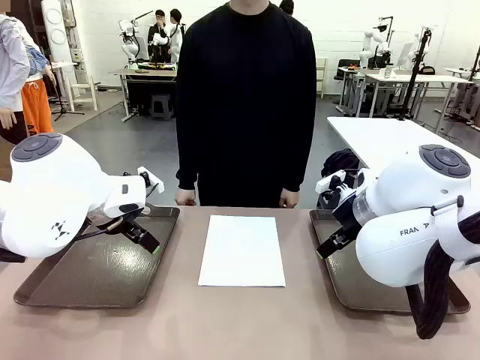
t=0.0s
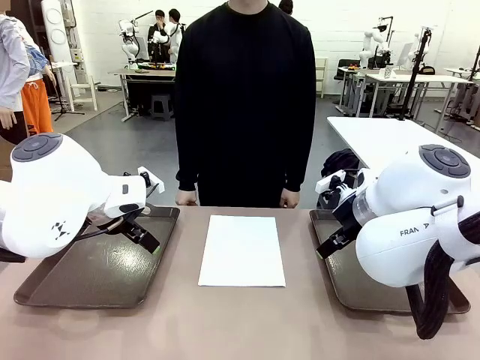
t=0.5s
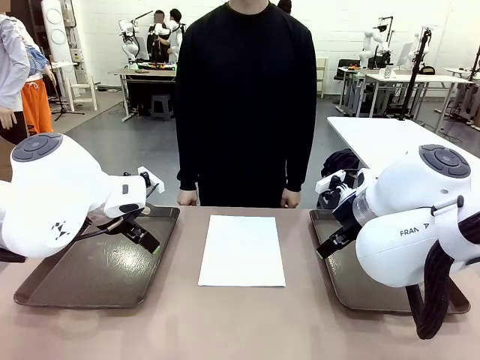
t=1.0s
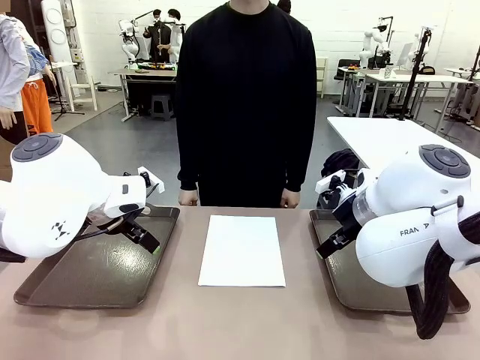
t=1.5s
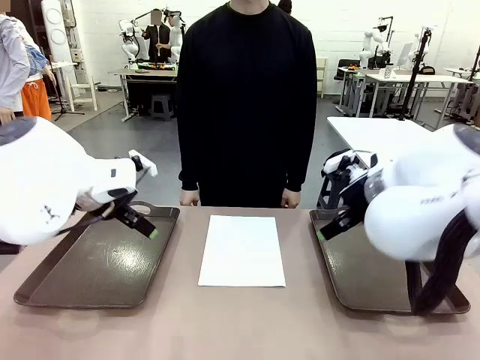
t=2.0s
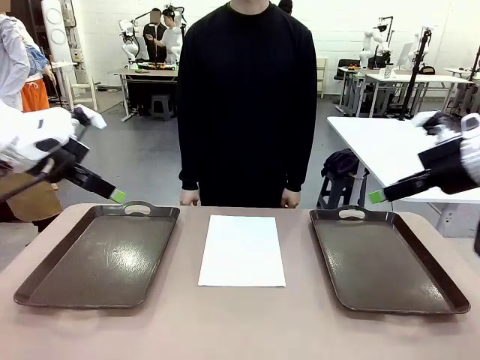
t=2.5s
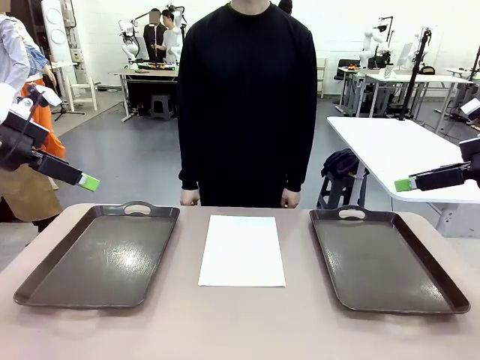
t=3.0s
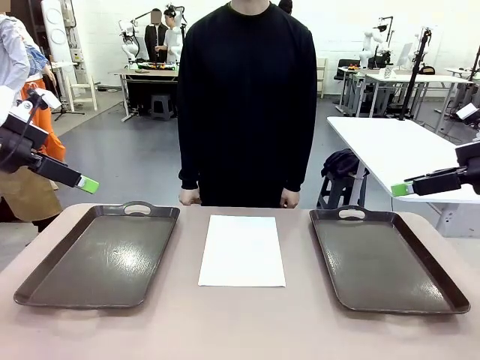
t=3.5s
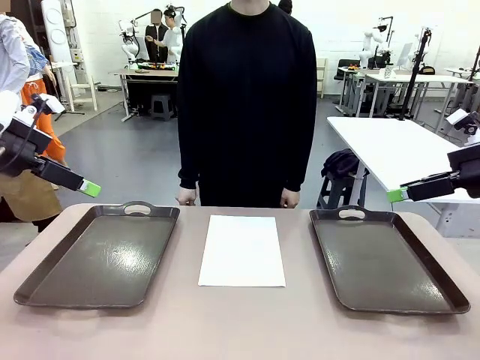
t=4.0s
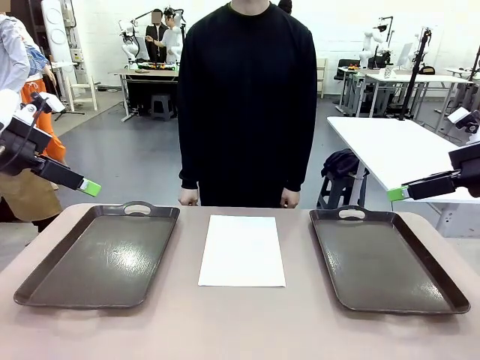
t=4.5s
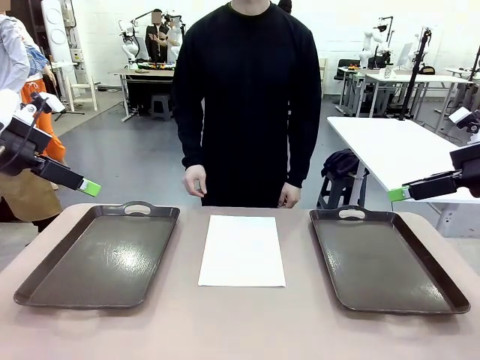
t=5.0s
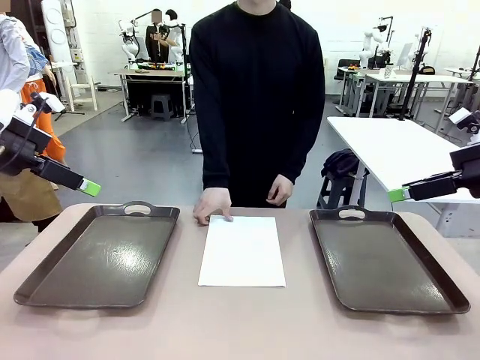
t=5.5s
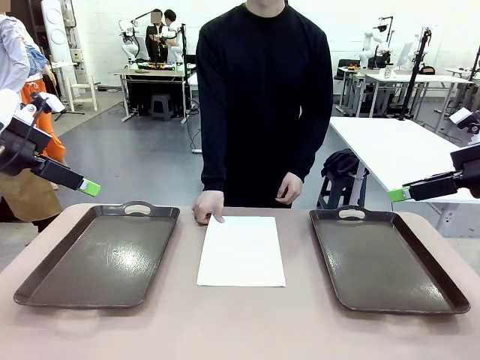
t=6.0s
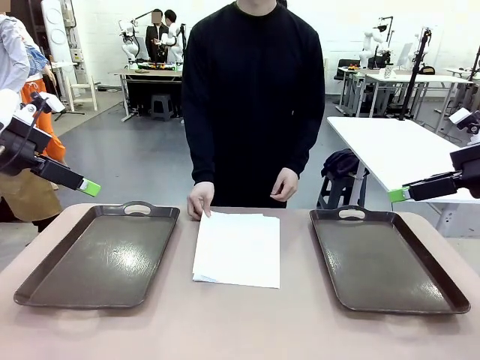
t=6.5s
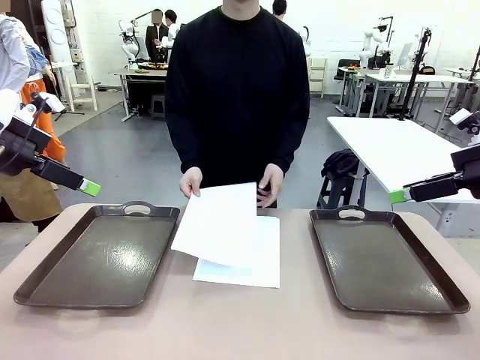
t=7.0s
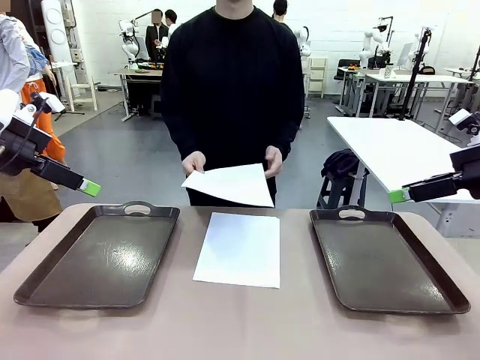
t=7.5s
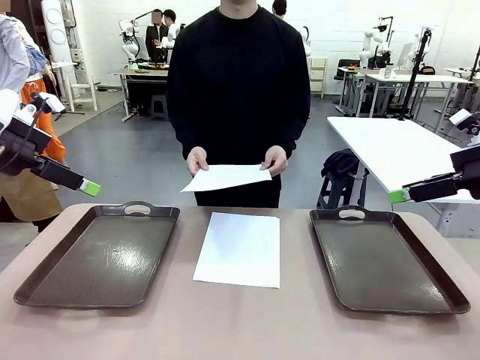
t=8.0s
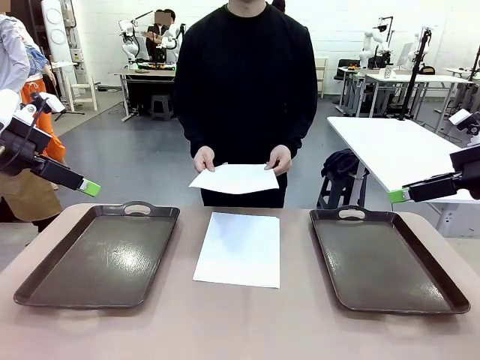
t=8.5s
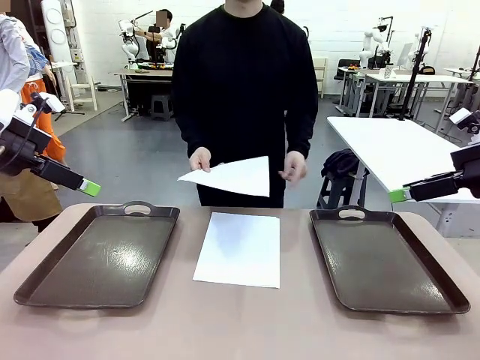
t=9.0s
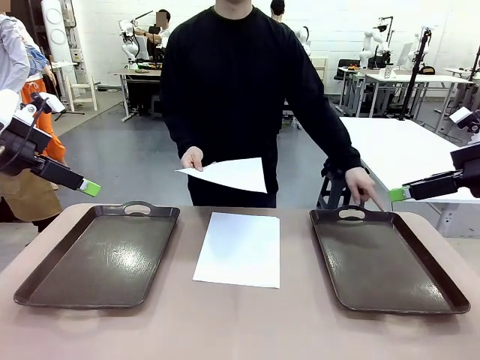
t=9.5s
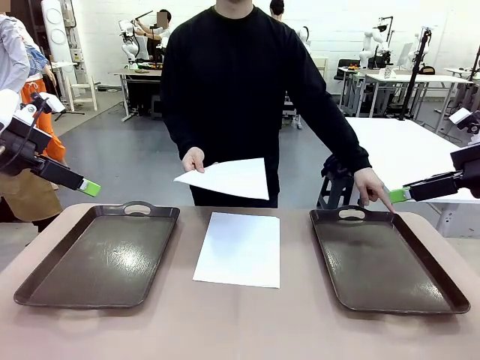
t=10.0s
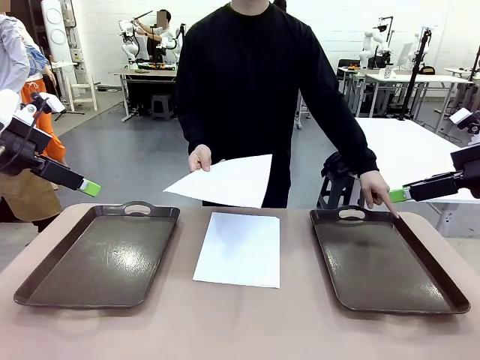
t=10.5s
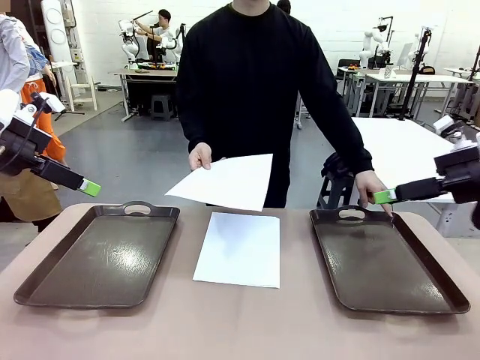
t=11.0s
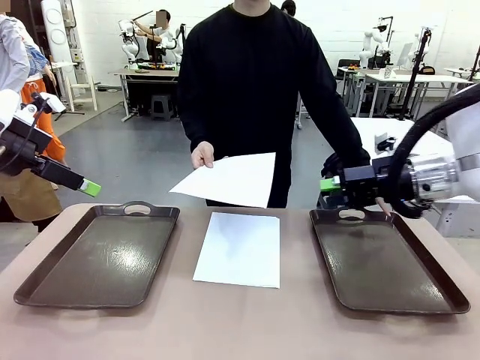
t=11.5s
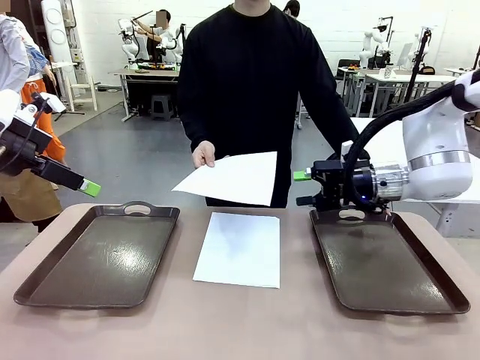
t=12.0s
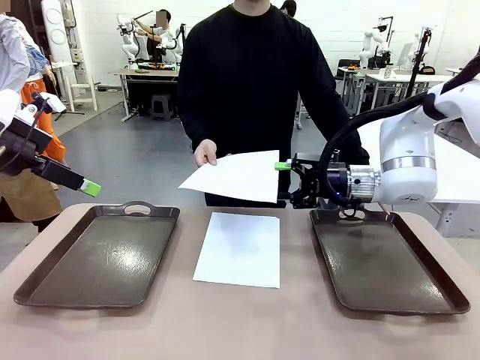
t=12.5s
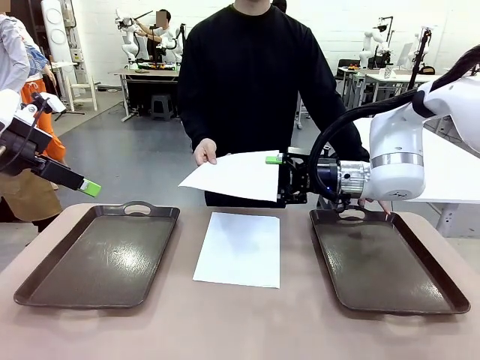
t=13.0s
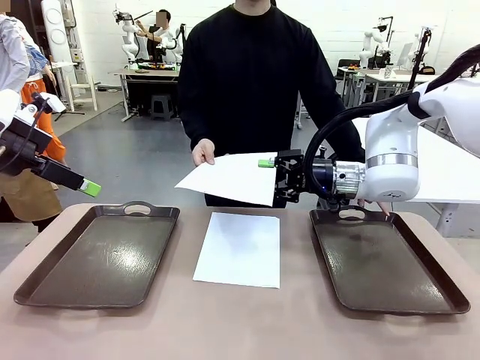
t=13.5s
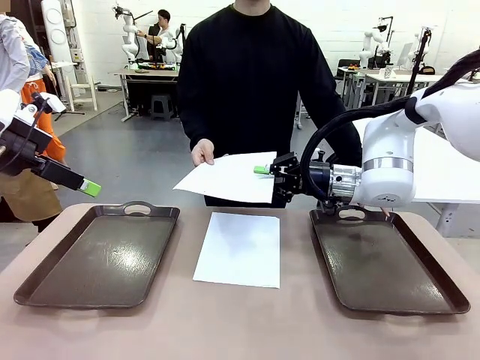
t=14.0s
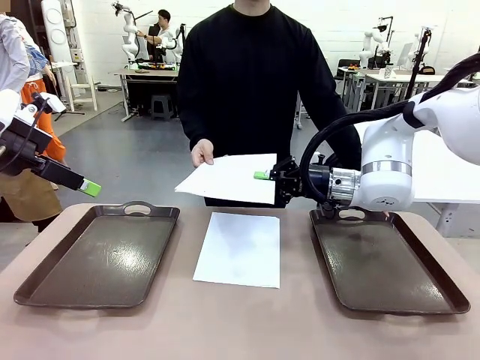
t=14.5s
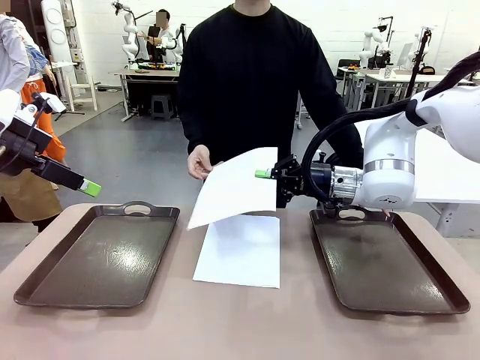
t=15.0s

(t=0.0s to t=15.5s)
Task: Sort the A4 documents.
Robot: Receive the A4 Paper.
Person: Pick up a sheet of paper from the center of the table and hand it to the robot. Point the randomly selected tray with the other hand.

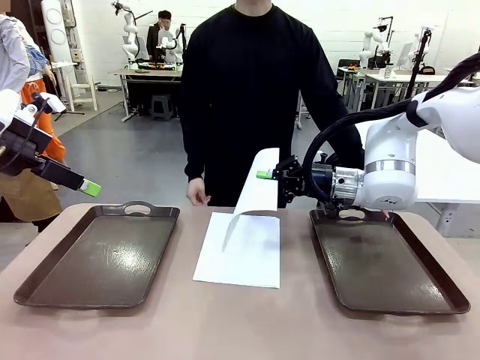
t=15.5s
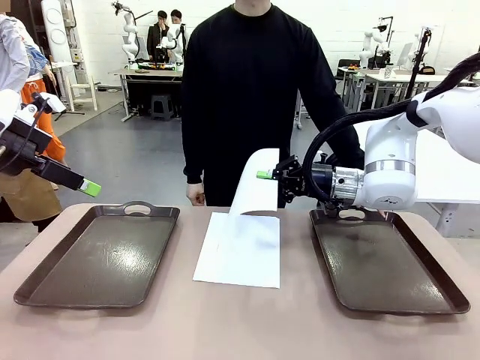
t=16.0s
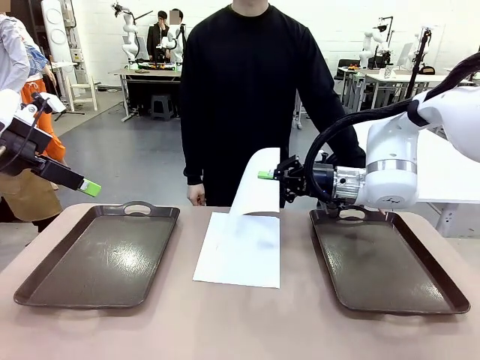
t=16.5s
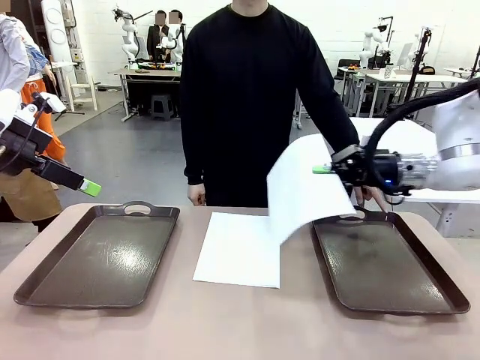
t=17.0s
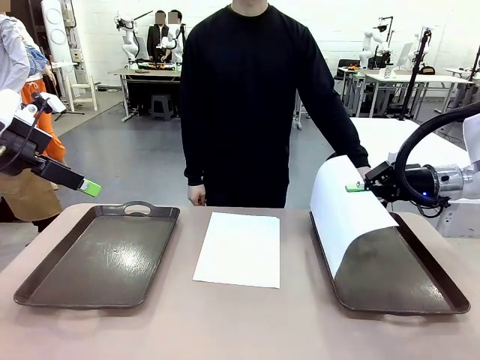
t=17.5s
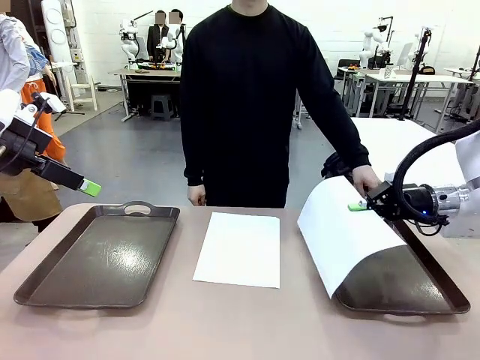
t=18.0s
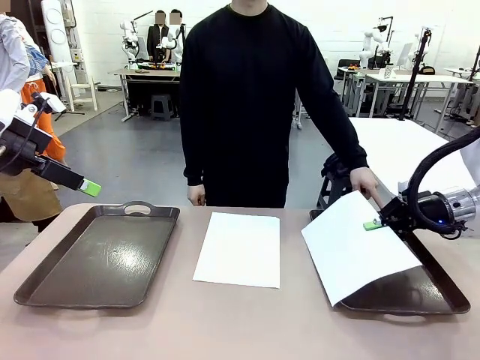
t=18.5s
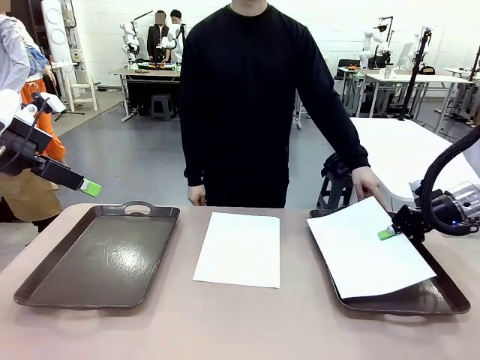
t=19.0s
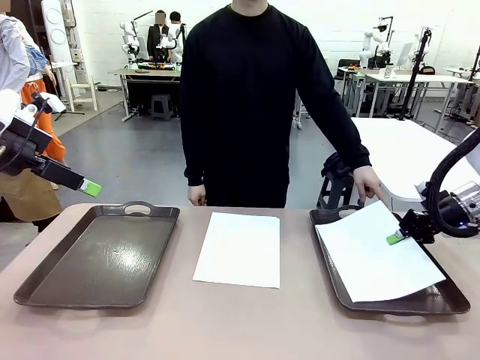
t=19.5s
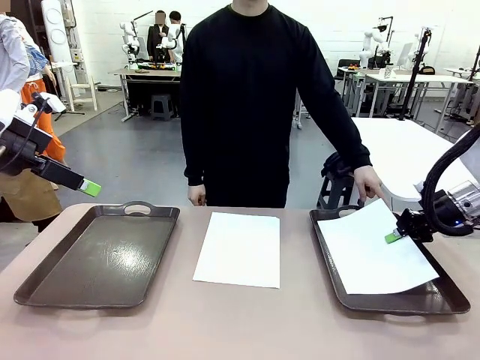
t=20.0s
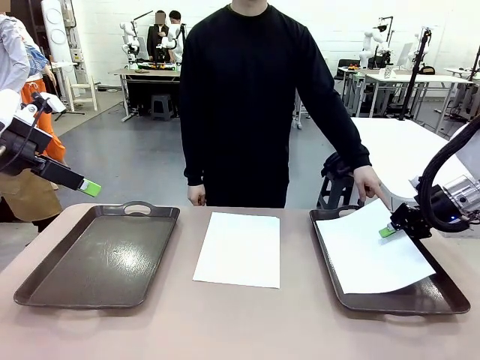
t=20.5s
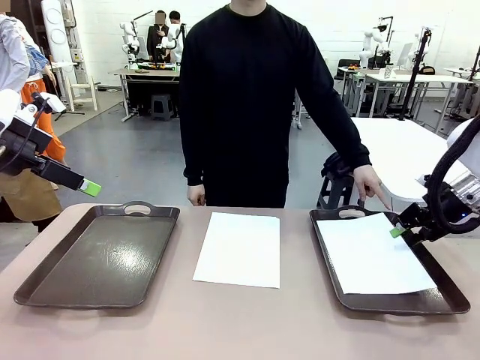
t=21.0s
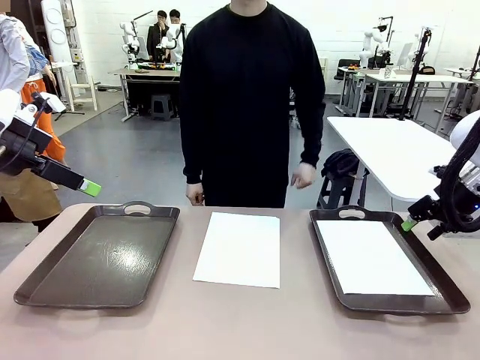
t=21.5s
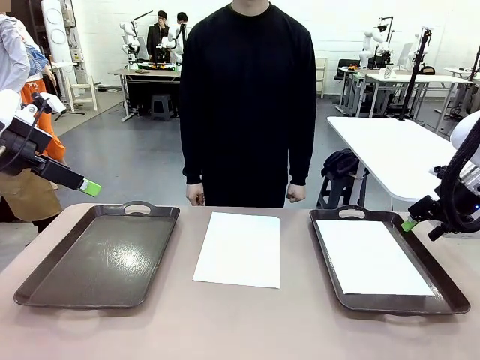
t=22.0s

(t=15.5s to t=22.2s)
Robot: Place the A4 Paper in the designated Handle tray.
